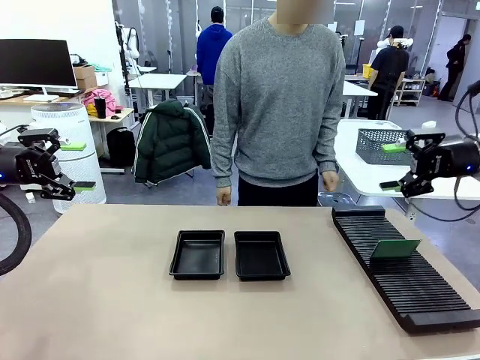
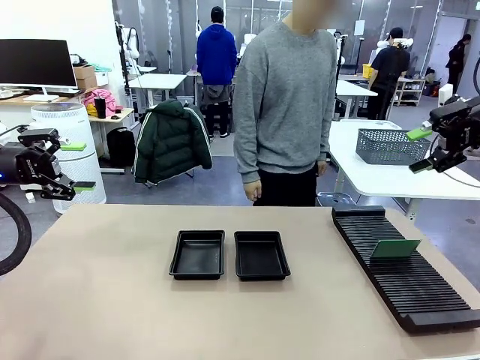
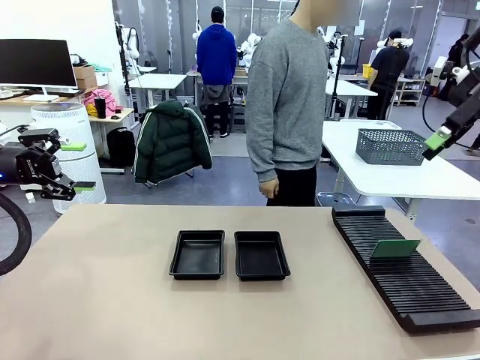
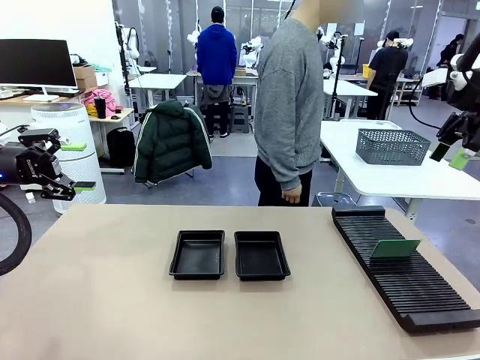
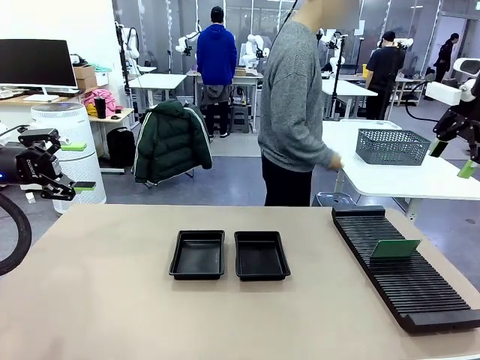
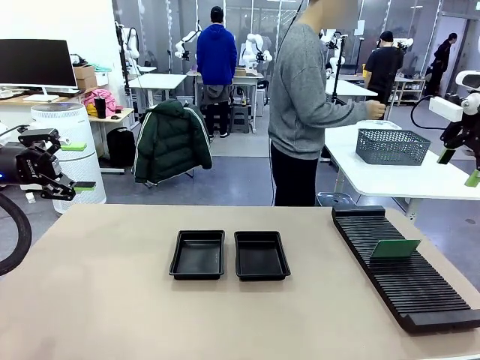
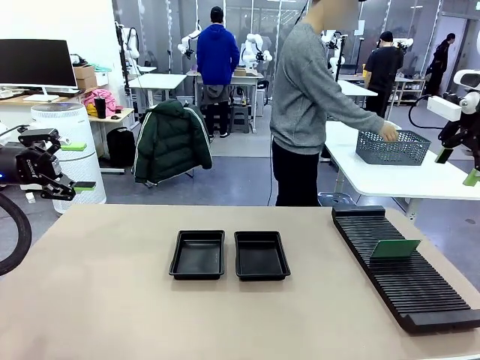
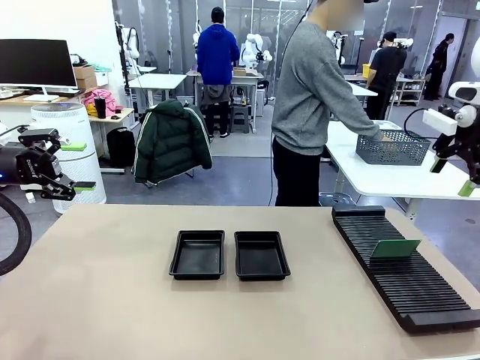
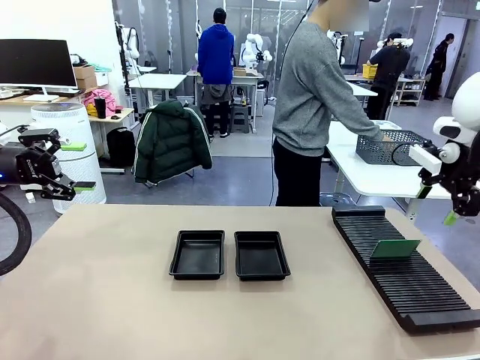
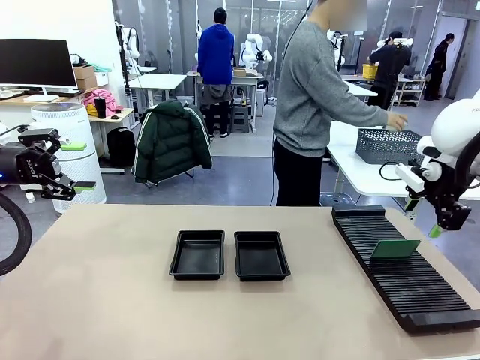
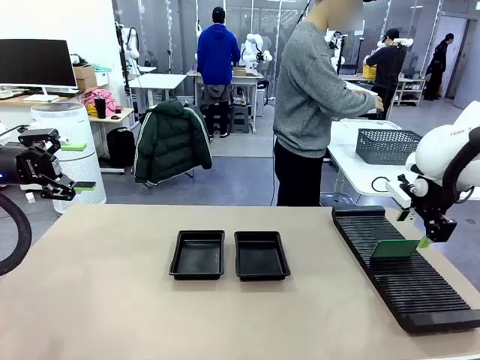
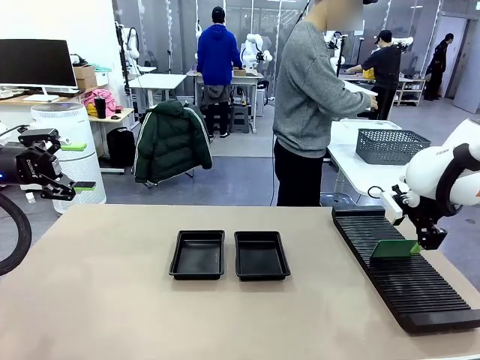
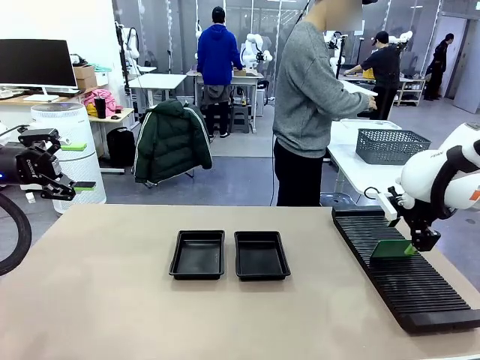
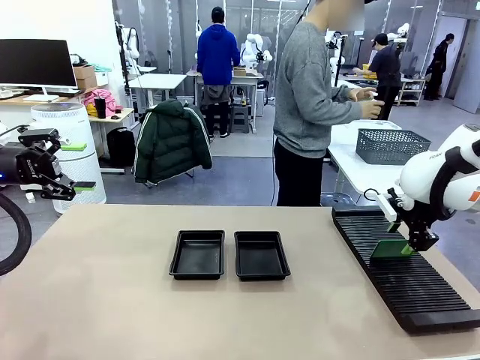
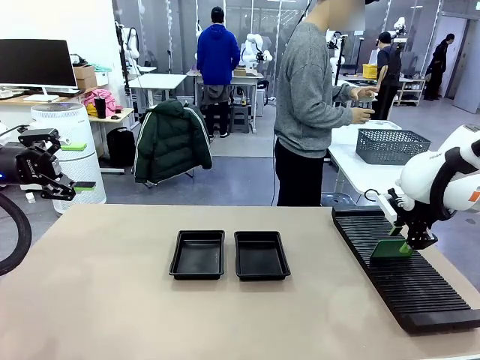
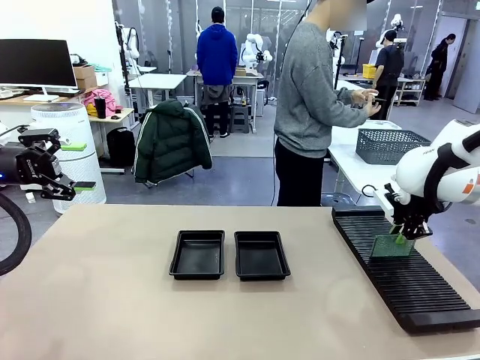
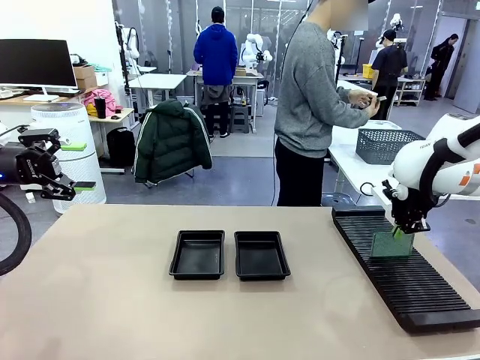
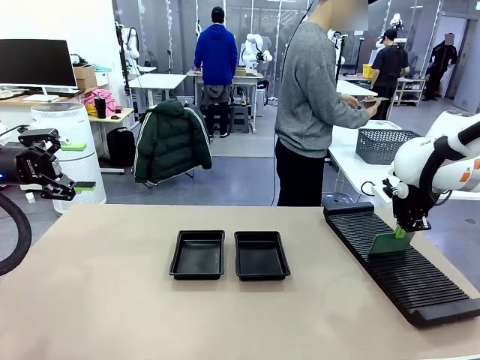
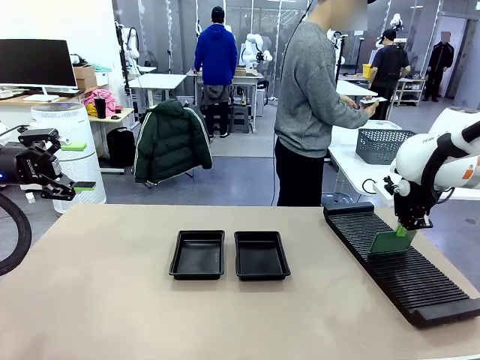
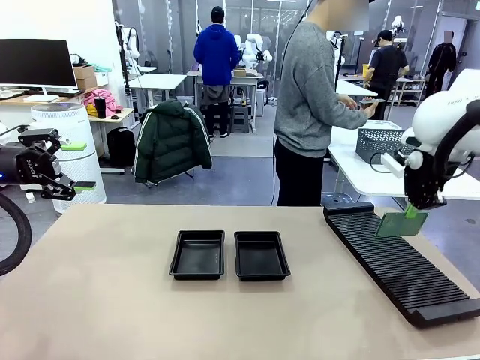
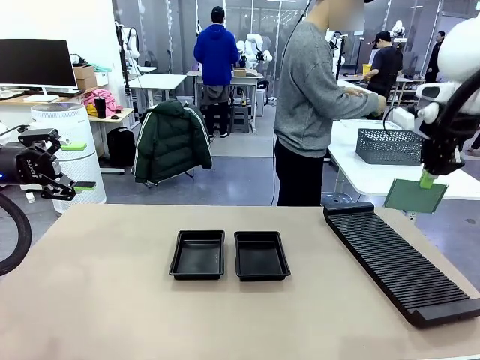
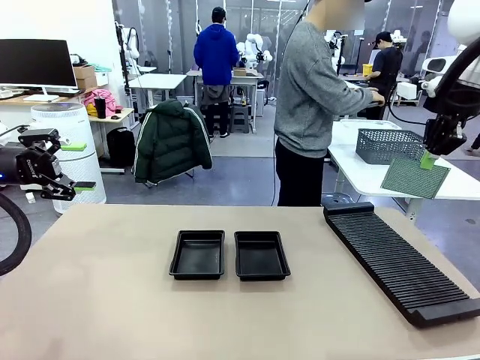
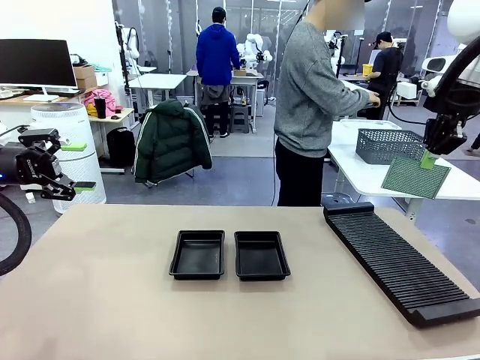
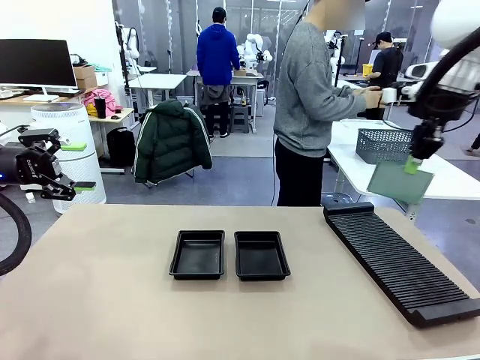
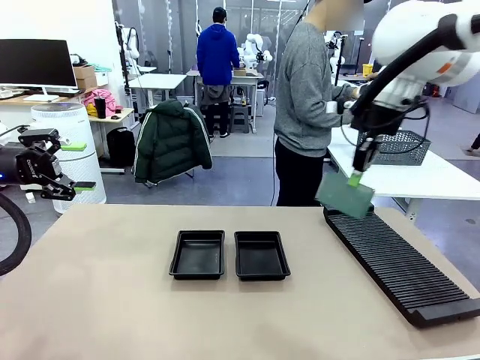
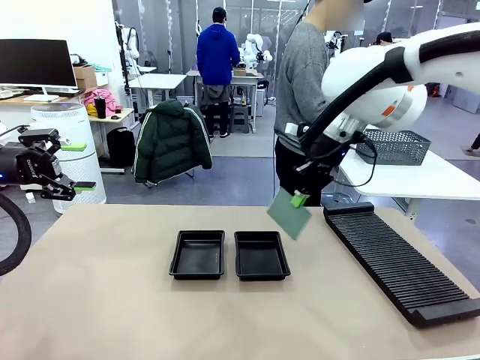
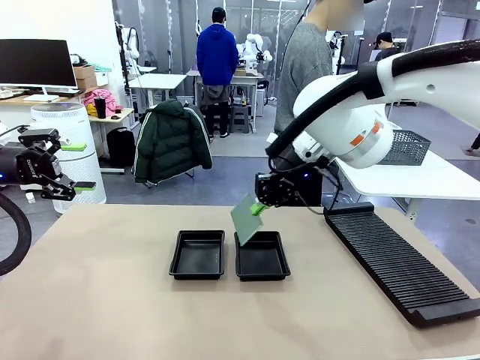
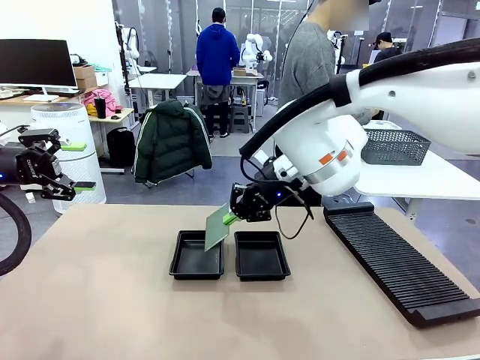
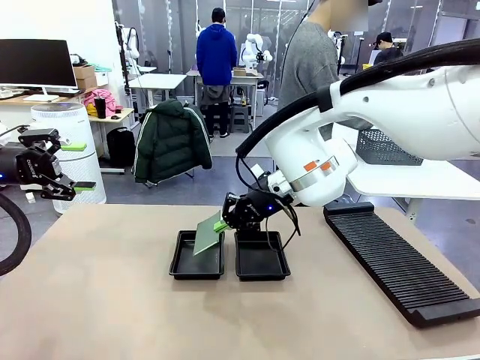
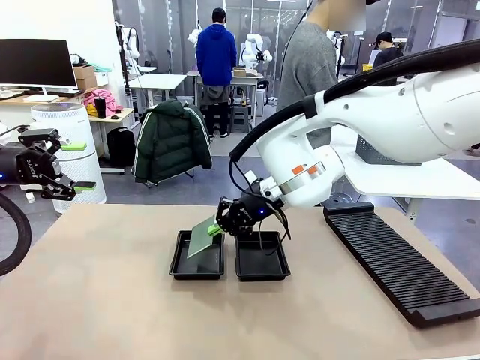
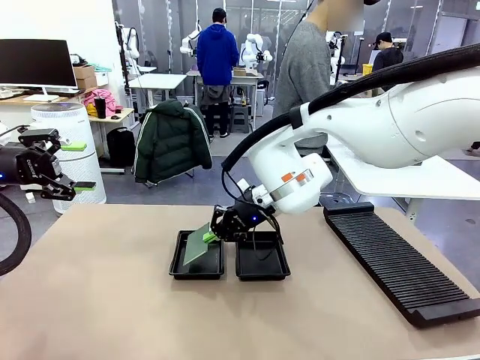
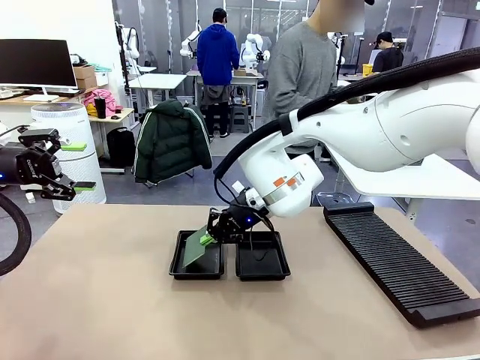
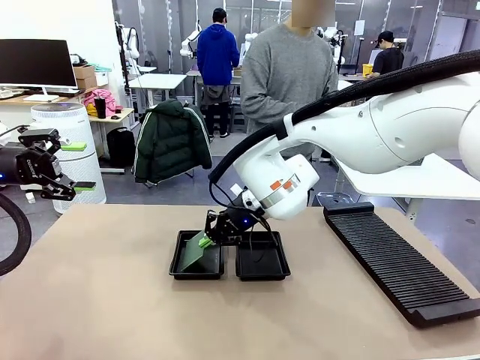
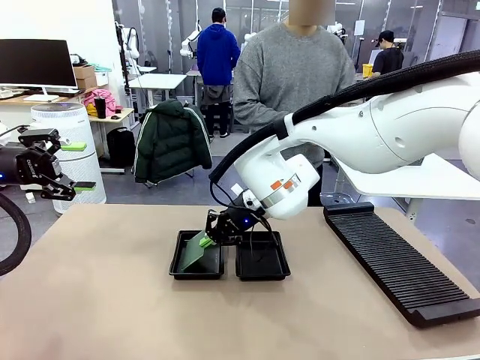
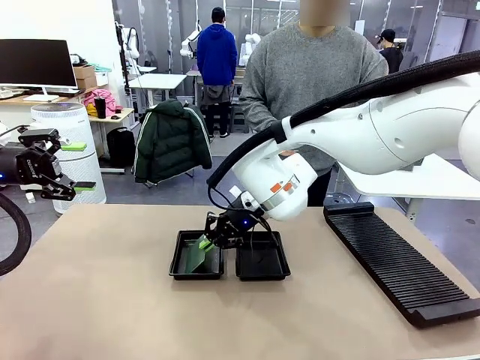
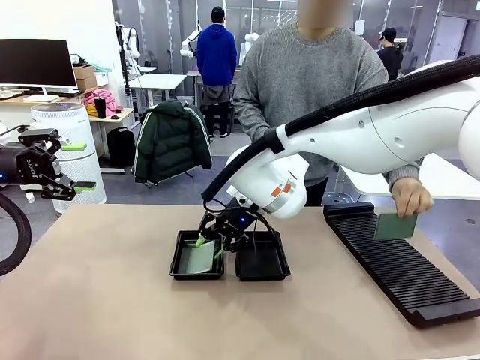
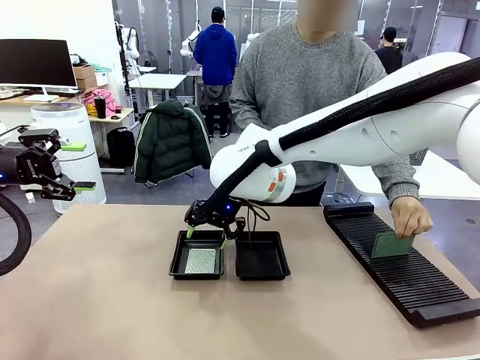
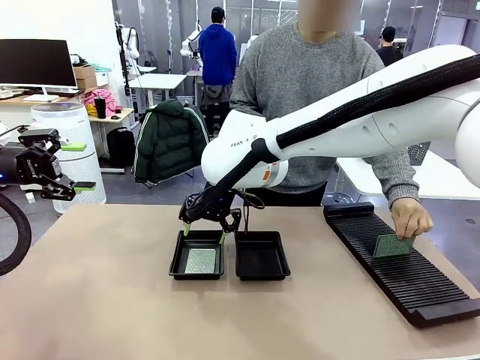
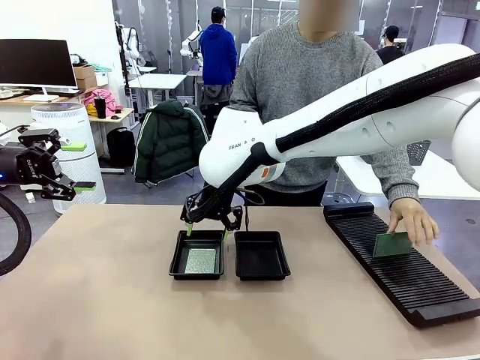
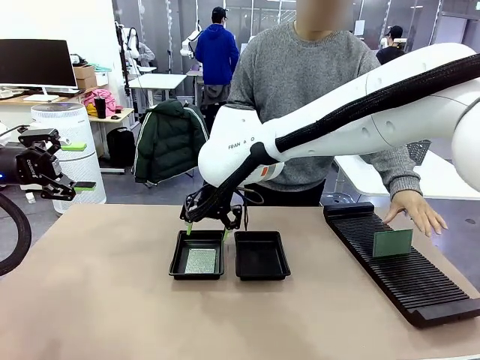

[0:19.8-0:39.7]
Task: Inspect and transfer BCBs to ESD trays.
Robot: Pick up the Blank PCB from the PCB Rack and place it in the left ESD tray.
